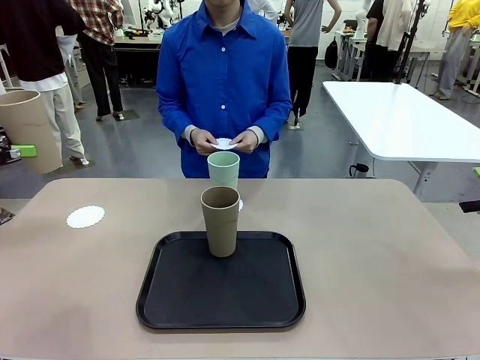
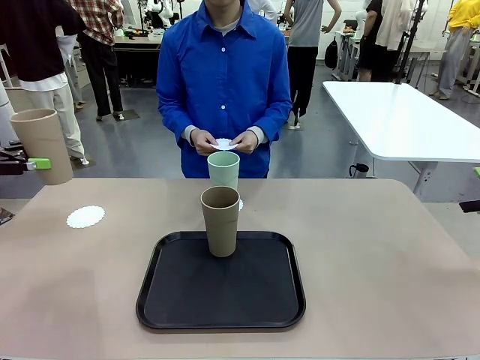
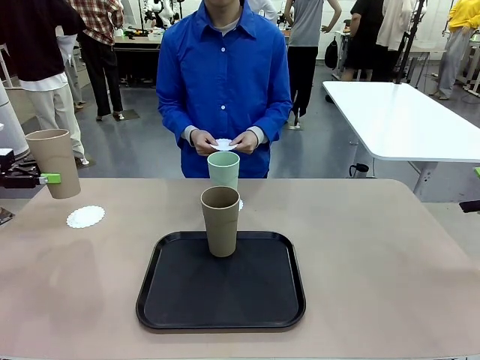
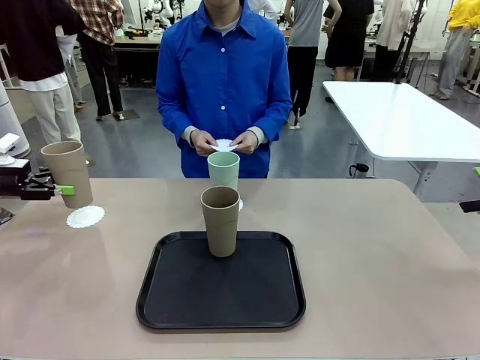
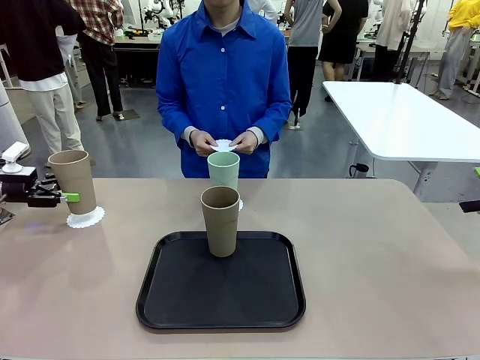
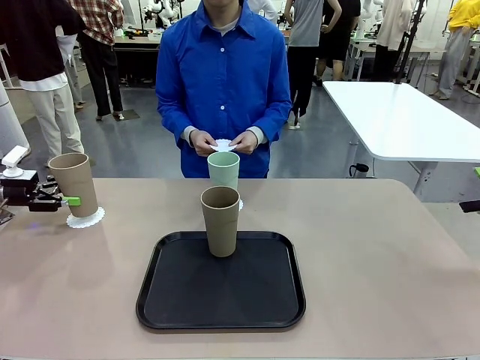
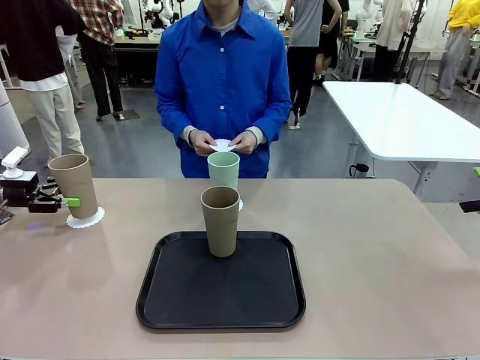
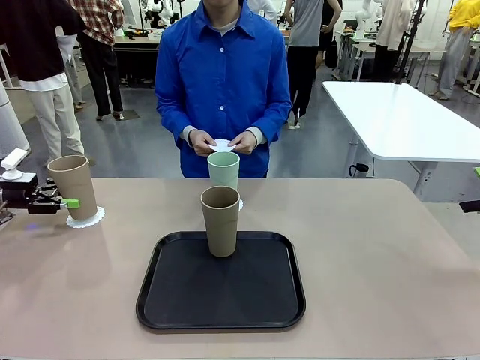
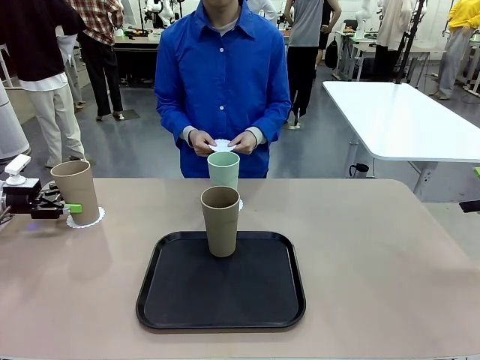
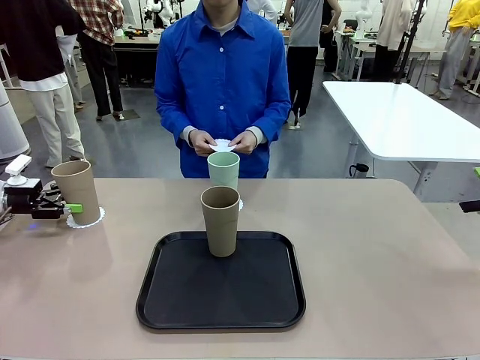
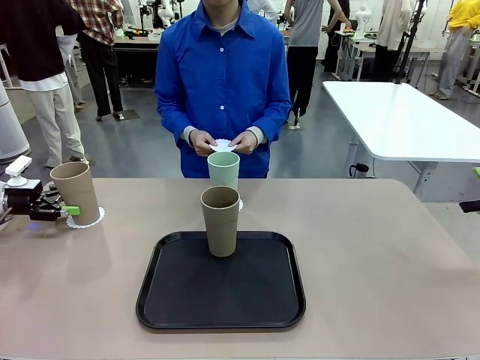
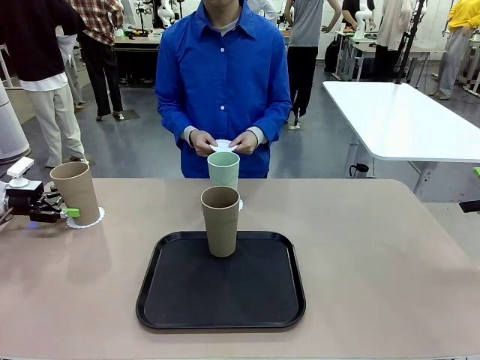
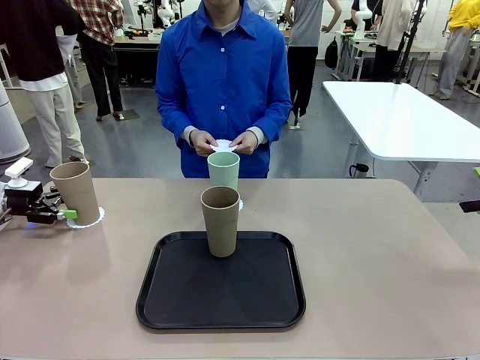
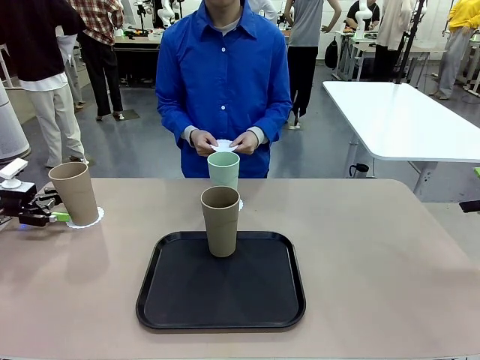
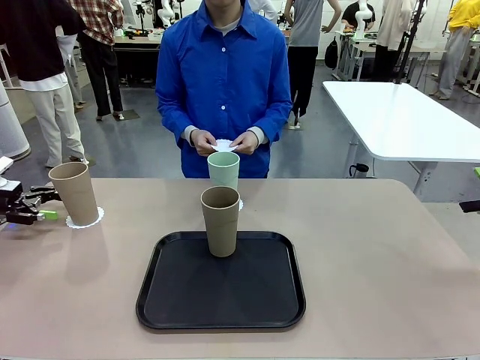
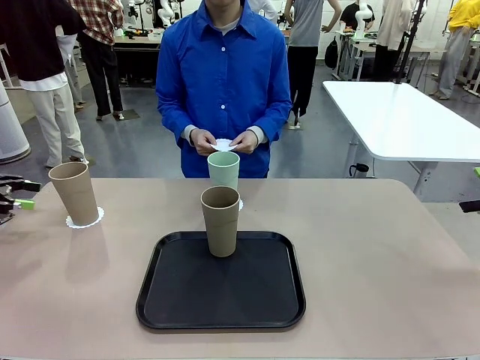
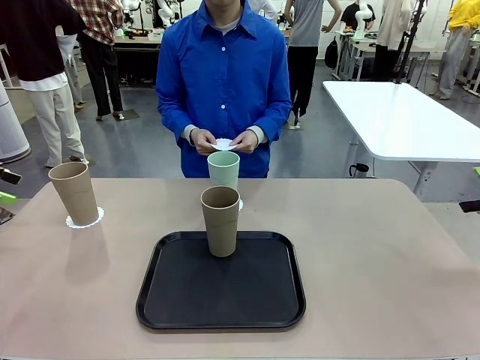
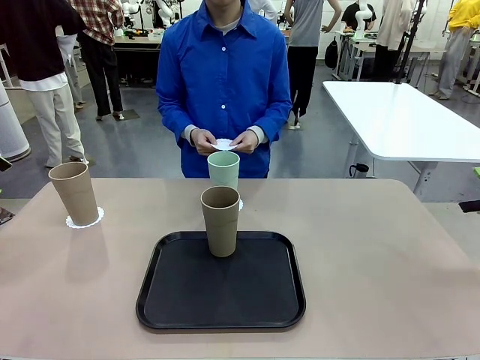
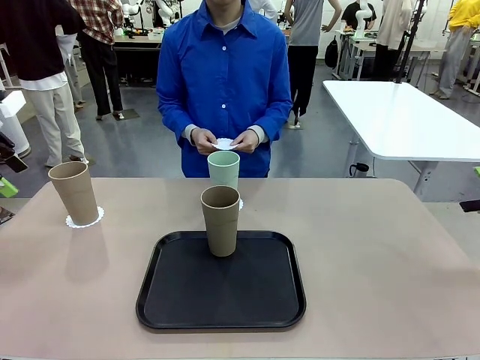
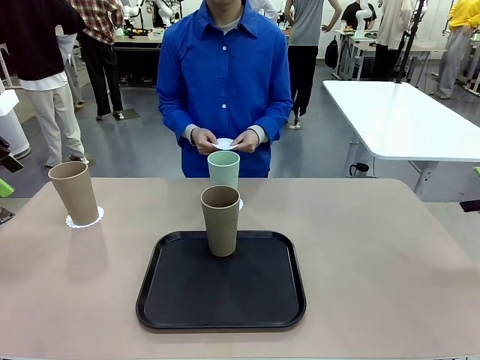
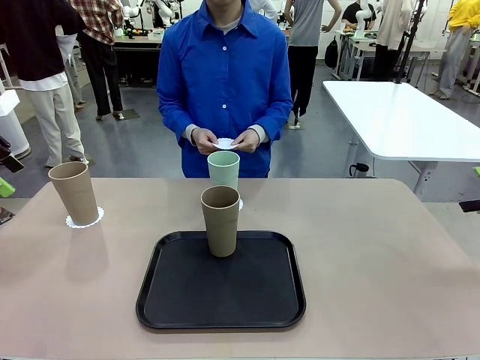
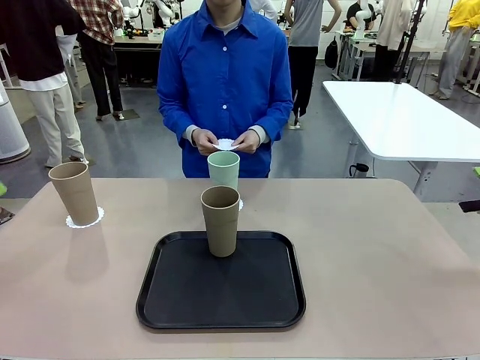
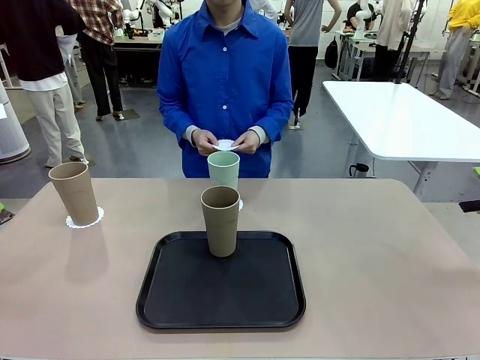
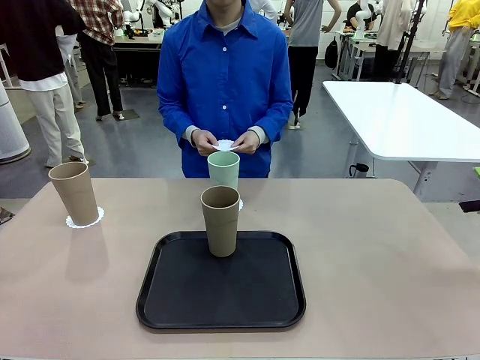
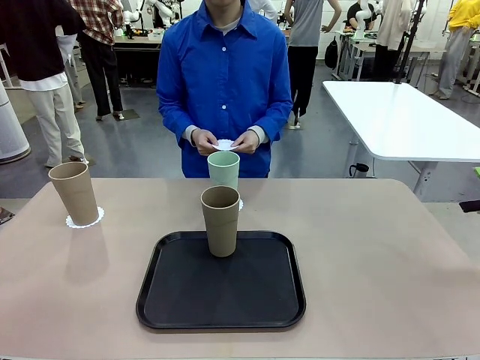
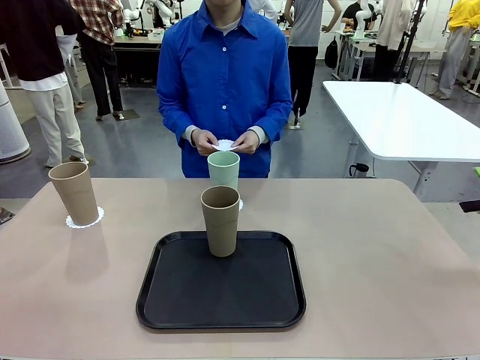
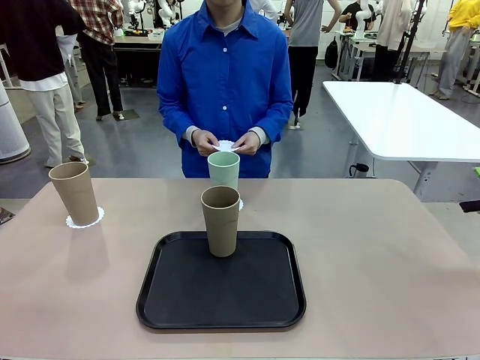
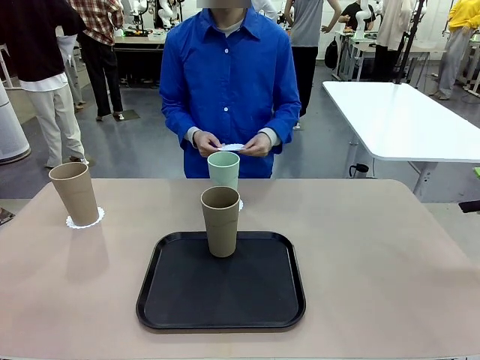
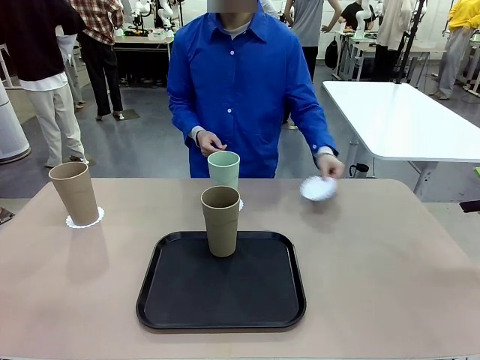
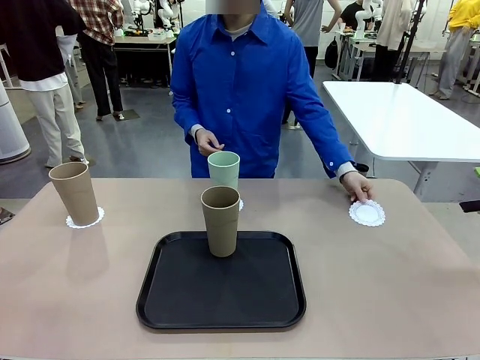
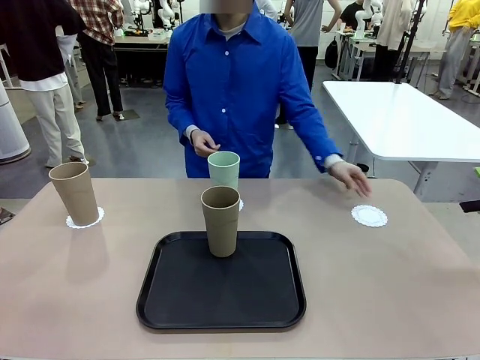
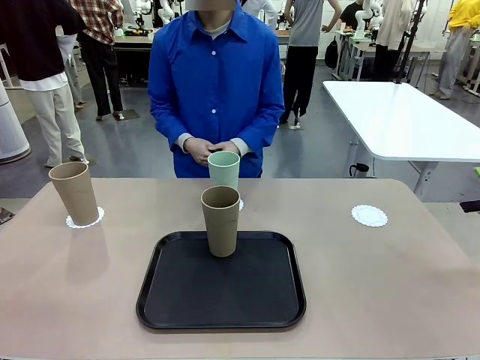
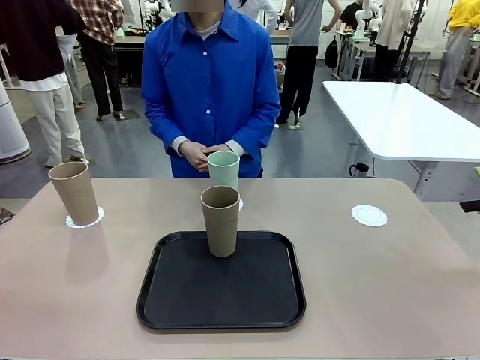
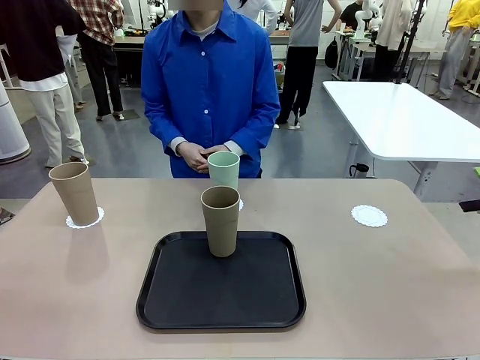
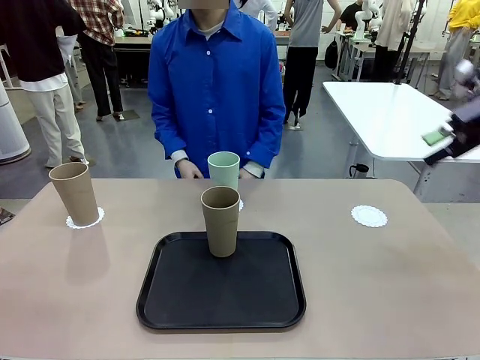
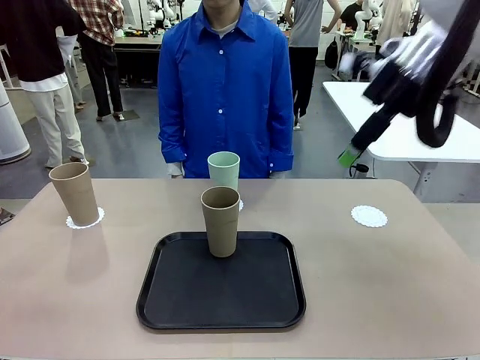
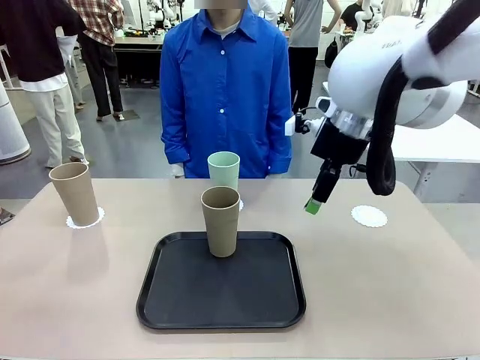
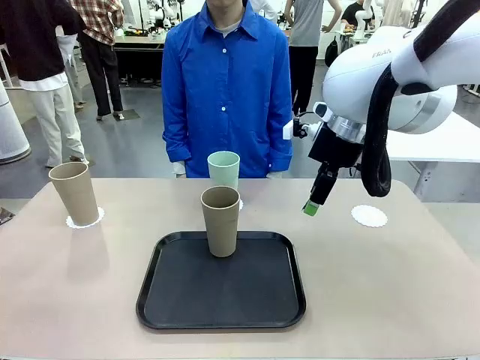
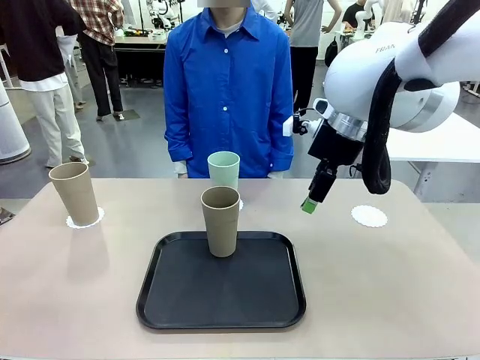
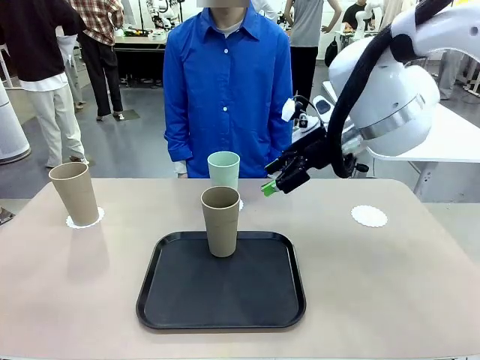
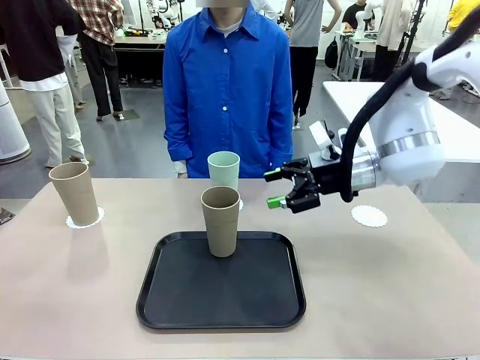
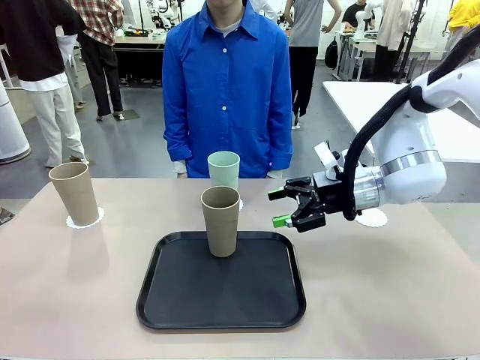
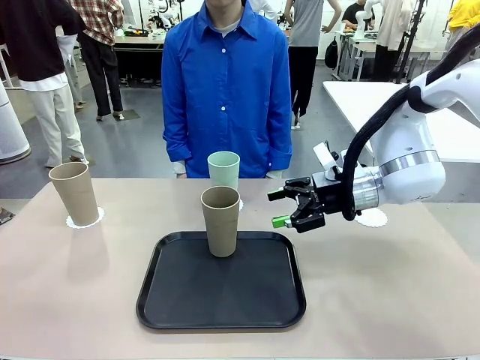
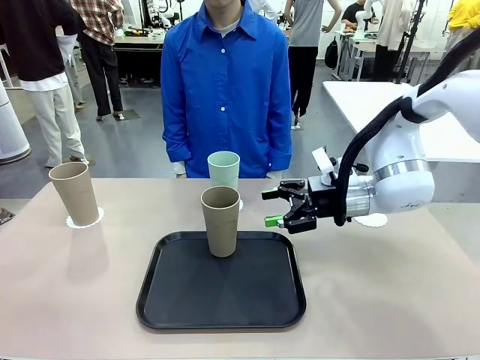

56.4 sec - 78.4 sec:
Task: Place coasters on the table and set cups on them.
Robot: Take one Reusable plastic cup from the Flat Tray and place it on a coaster set by the human.
